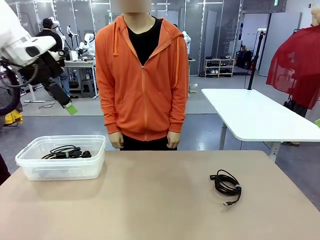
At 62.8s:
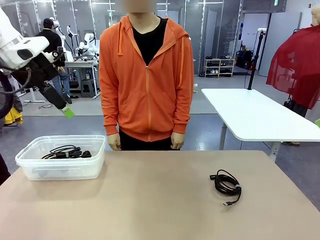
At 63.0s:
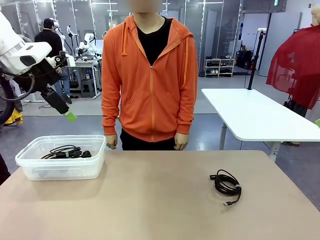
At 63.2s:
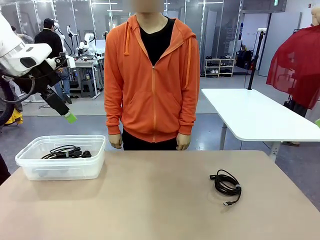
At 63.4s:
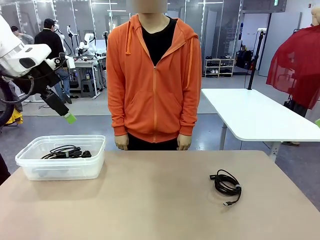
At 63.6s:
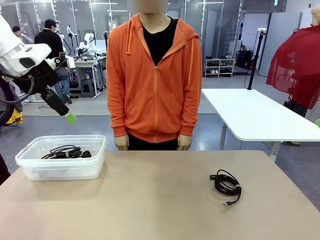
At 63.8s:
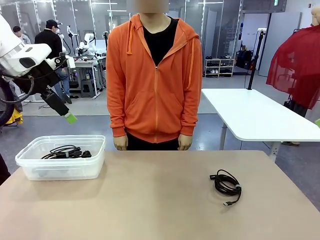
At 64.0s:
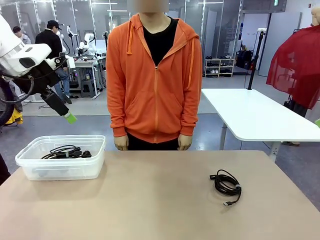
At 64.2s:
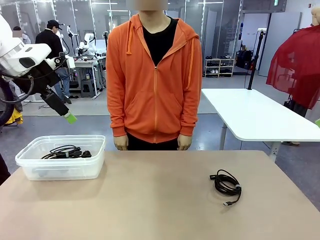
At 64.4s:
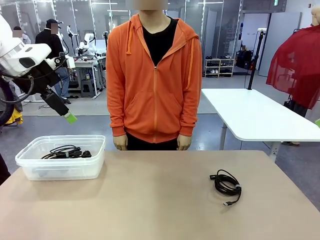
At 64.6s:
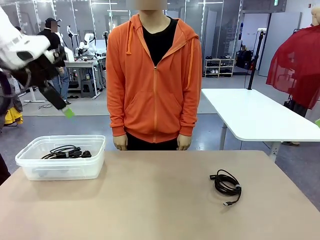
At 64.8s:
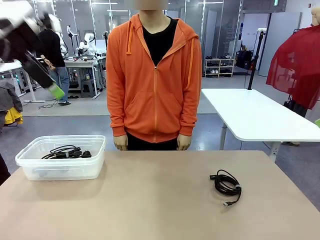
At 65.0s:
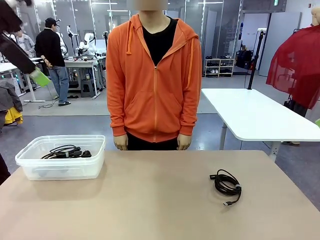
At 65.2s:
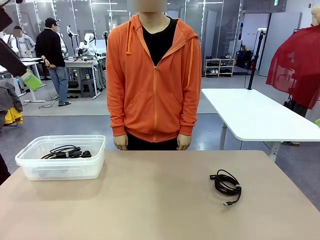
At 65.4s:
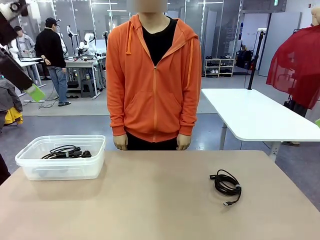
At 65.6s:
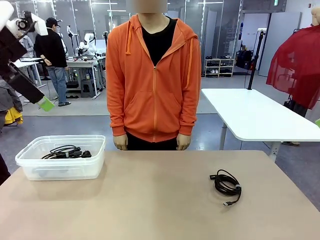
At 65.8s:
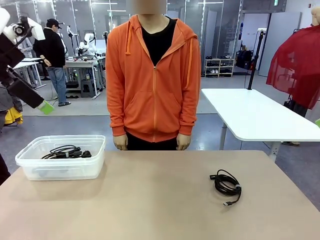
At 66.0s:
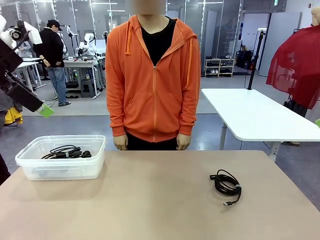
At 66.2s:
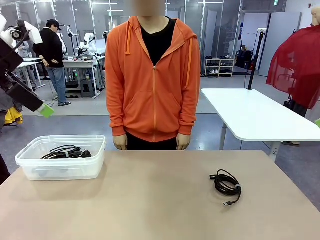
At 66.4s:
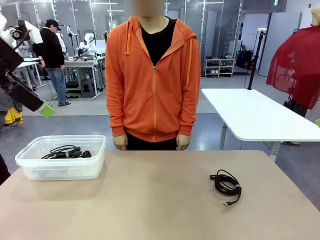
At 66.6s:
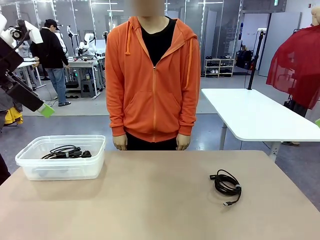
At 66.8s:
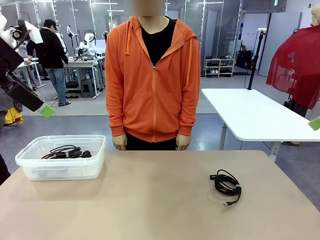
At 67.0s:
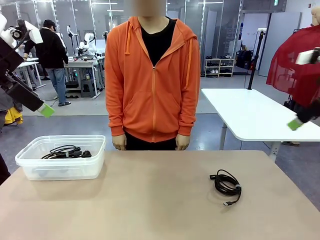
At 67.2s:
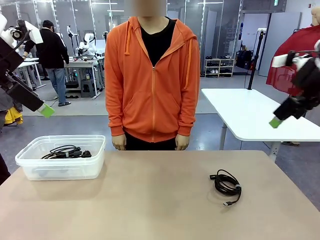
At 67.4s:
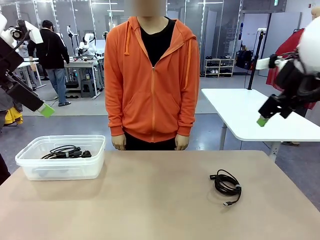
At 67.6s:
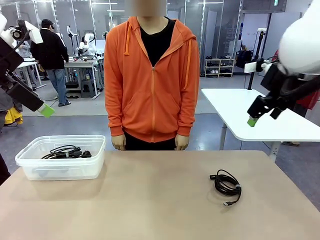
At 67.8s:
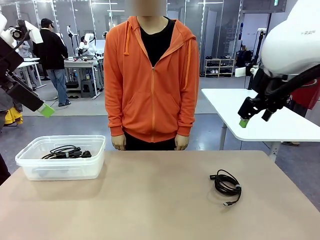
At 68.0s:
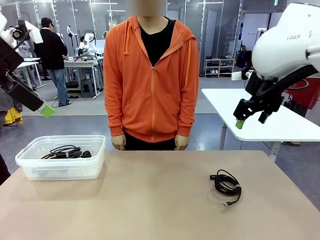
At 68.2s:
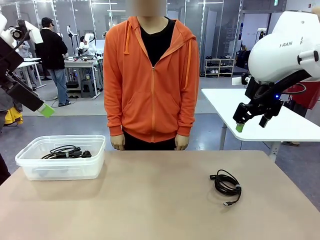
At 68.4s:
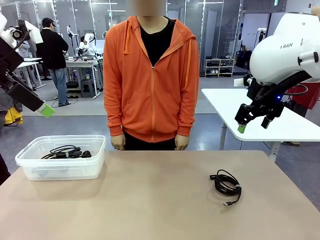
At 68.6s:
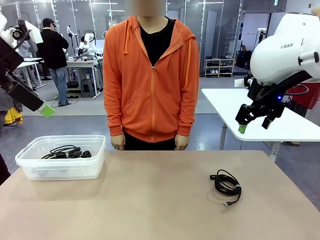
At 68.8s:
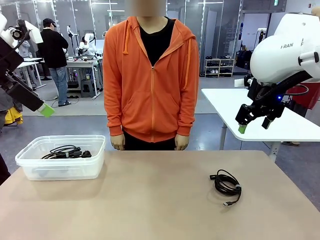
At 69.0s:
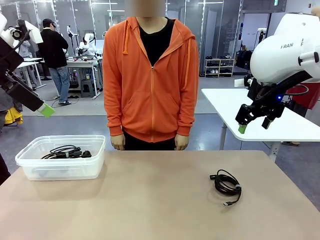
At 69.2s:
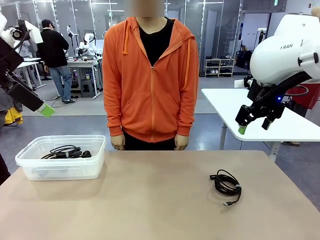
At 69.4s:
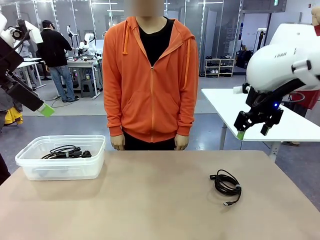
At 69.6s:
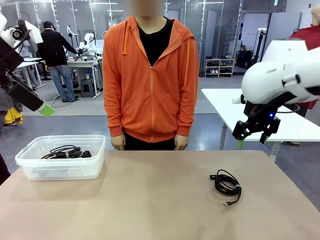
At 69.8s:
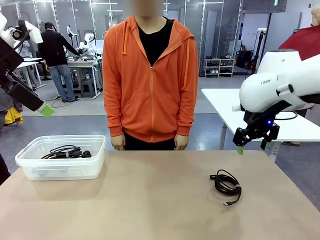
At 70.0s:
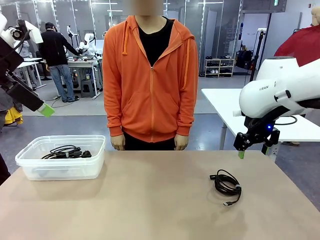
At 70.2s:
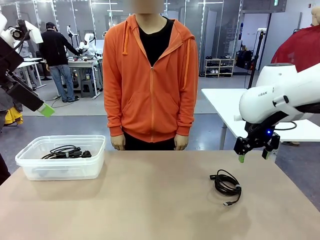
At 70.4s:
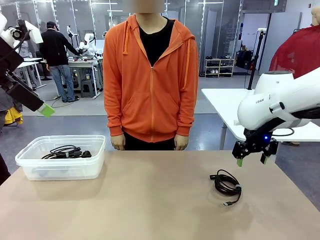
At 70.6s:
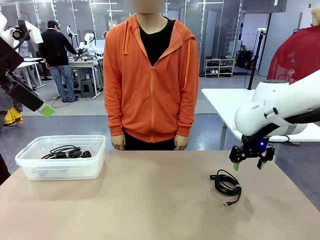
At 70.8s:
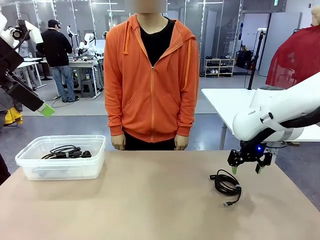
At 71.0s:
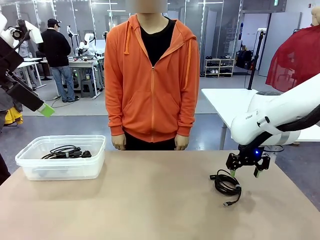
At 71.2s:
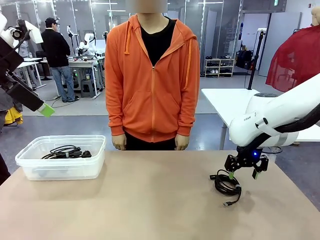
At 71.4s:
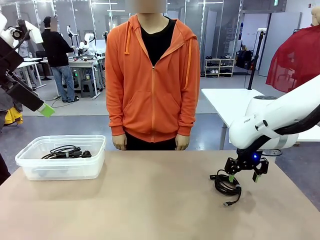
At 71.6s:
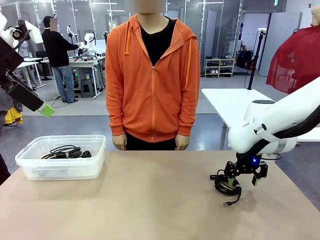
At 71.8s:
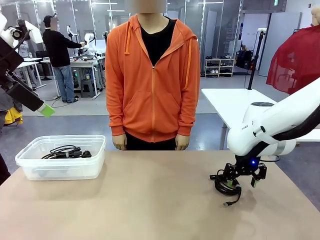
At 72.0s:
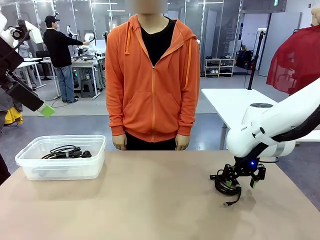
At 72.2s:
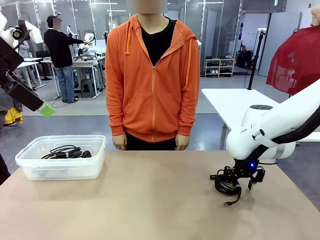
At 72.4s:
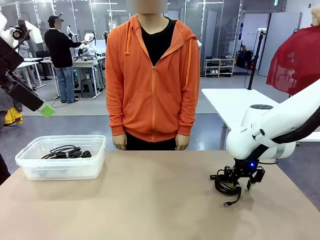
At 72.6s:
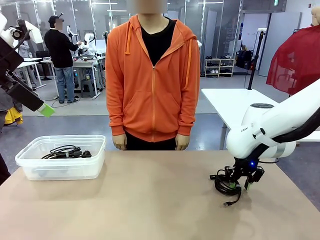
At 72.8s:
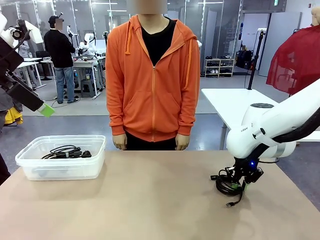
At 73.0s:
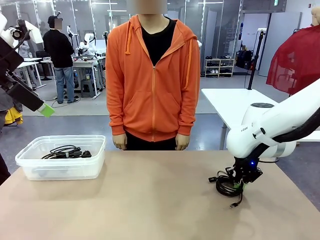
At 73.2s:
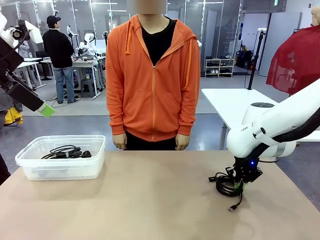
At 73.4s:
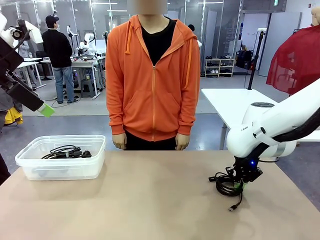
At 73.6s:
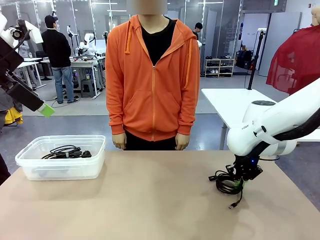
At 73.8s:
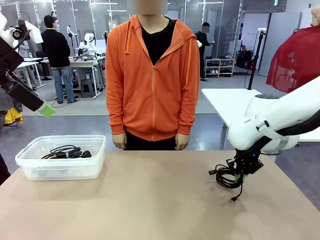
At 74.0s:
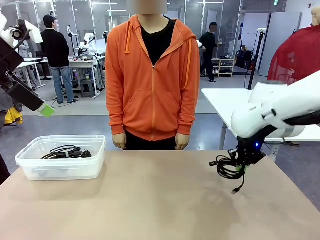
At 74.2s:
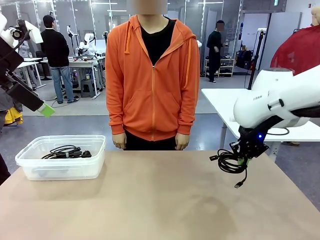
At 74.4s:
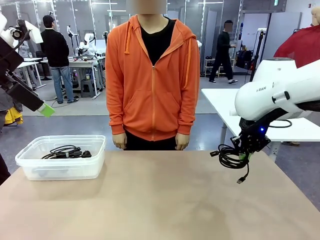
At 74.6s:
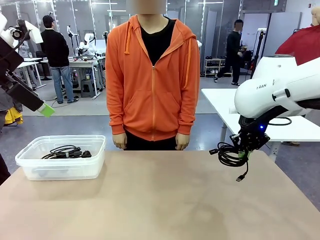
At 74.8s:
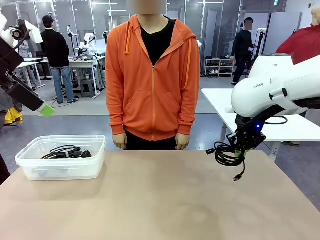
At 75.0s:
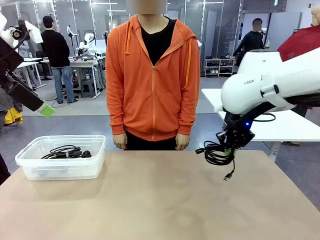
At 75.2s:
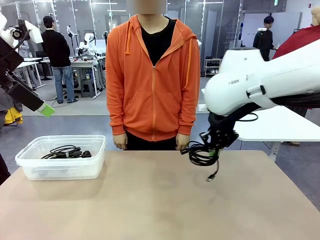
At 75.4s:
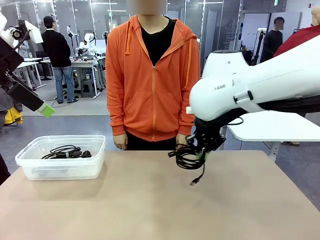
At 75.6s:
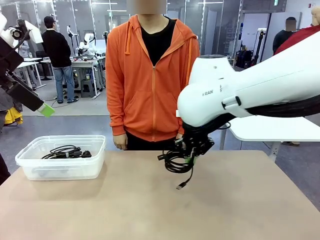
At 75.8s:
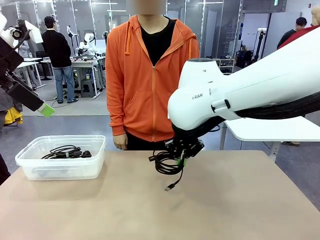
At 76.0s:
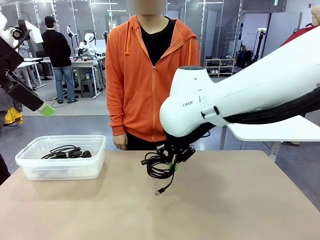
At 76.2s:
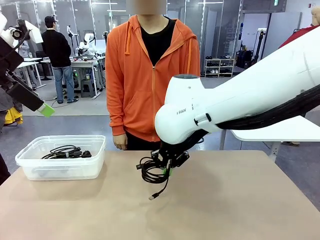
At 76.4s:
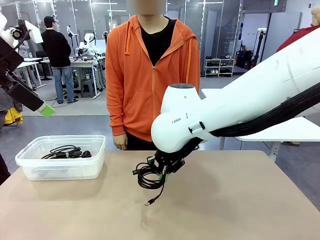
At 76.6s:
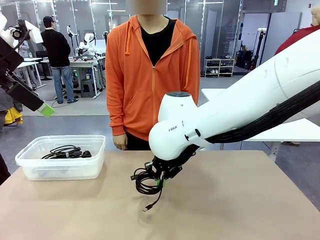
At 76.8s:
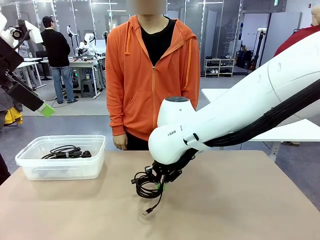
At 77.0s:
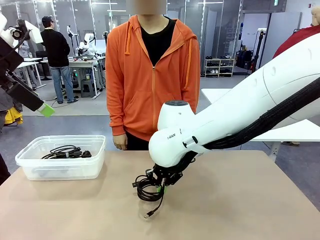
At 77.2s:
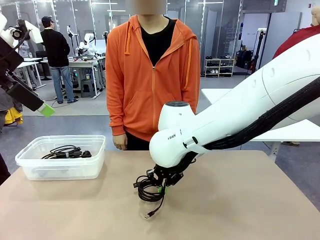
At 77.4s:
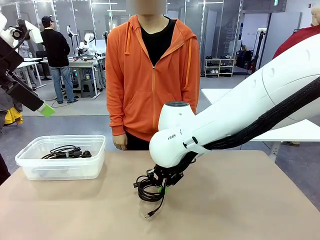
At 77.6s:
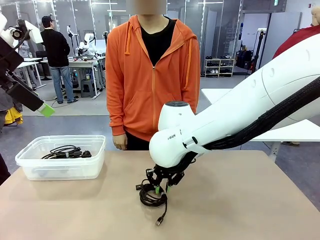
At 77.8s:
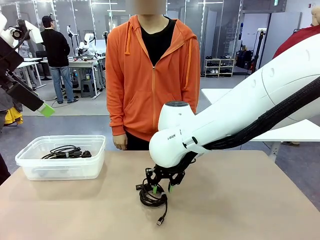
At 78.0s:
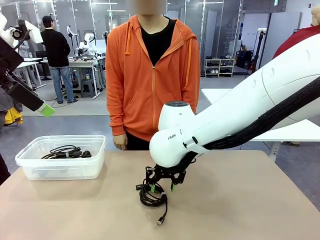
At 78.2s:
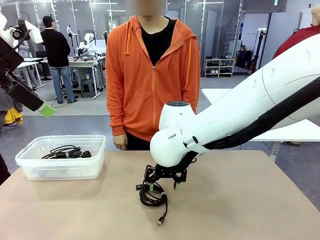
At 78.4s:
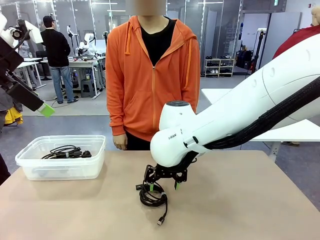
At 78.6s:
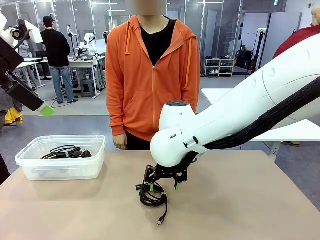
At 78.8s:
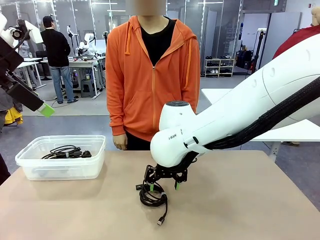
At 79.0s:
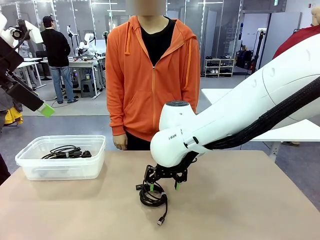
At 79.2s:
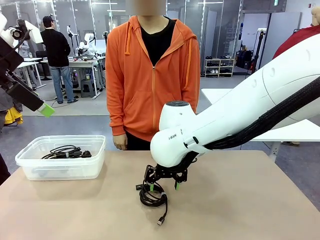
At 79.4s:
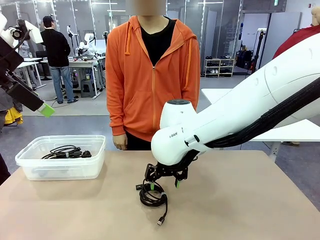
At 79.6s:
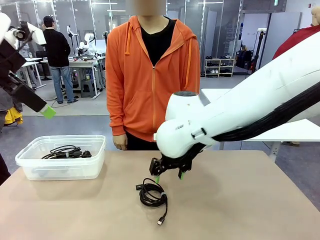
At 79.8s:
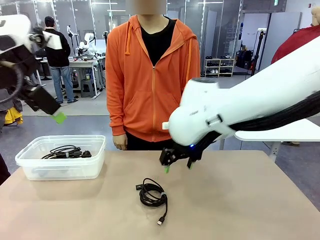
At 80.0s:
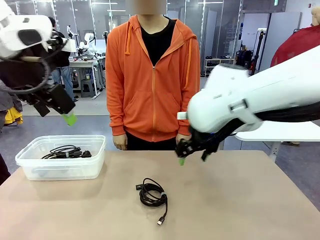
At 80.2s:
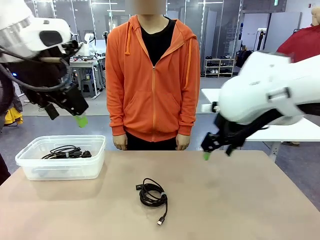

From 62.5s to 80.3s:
Task: Organize and store the cables.
Robot: Place the USB Extension Cable into the Organizing box.
